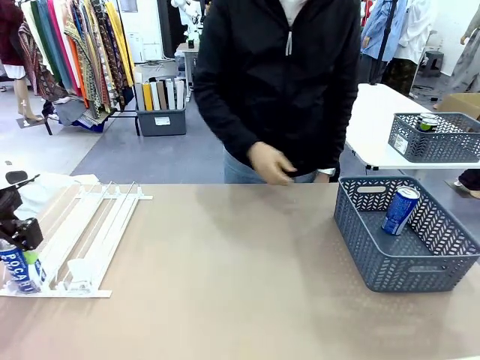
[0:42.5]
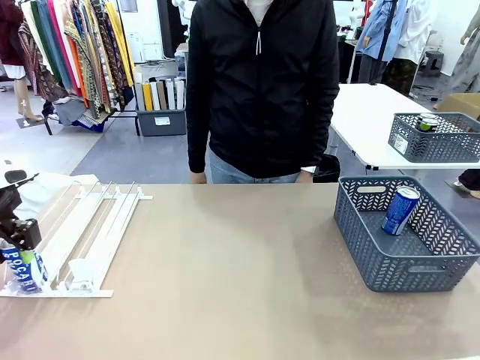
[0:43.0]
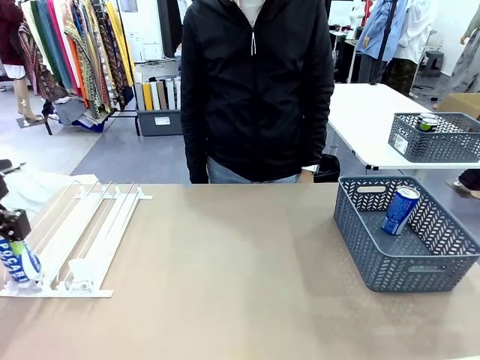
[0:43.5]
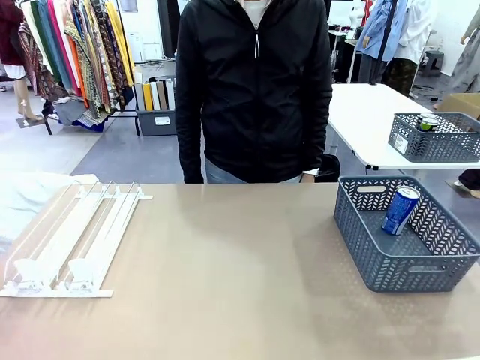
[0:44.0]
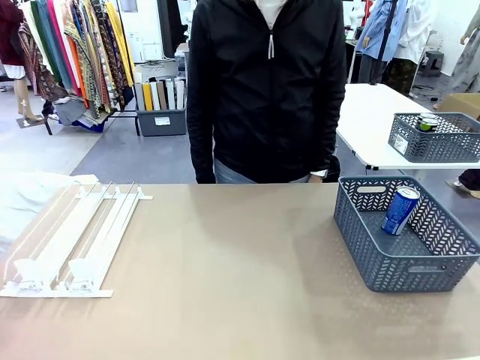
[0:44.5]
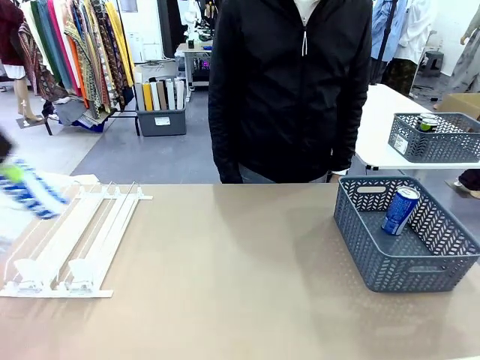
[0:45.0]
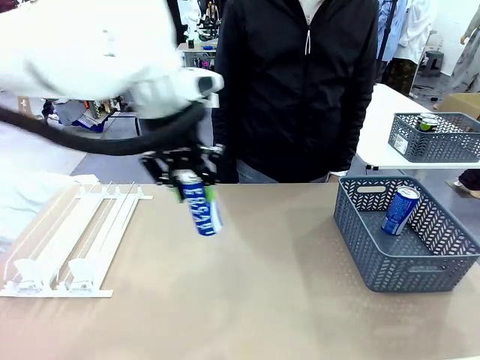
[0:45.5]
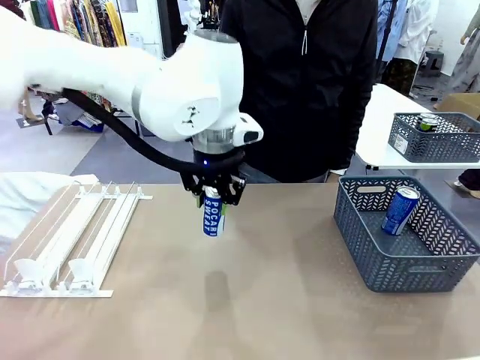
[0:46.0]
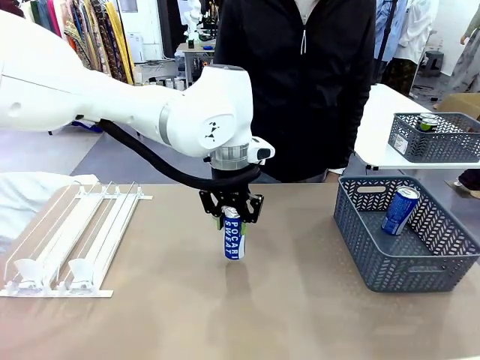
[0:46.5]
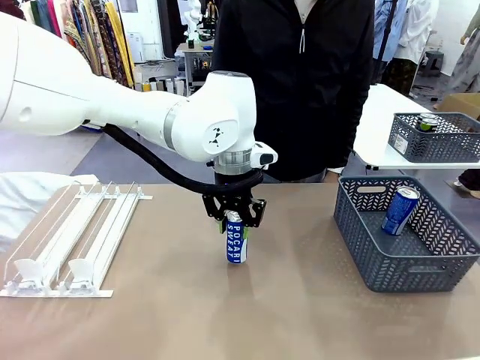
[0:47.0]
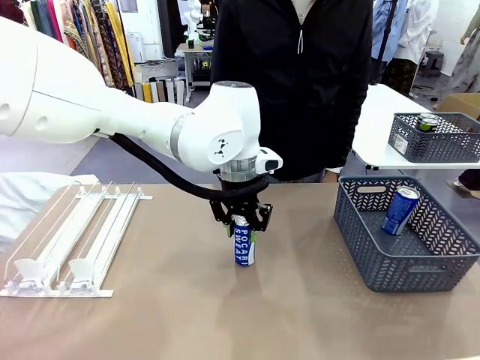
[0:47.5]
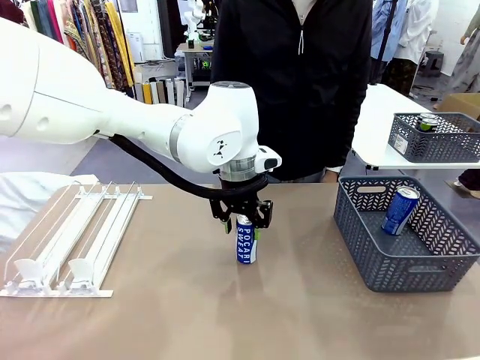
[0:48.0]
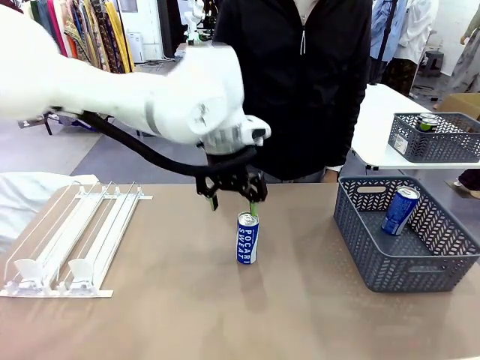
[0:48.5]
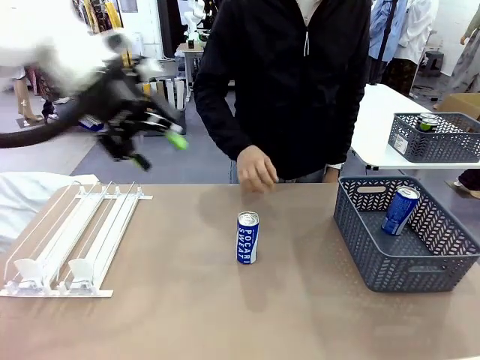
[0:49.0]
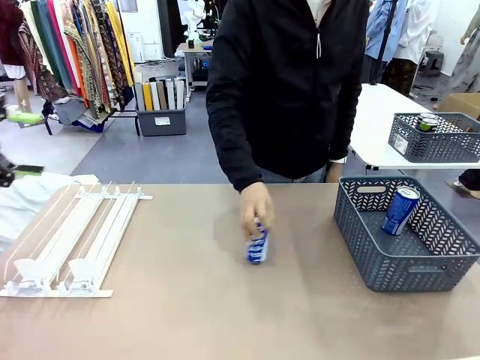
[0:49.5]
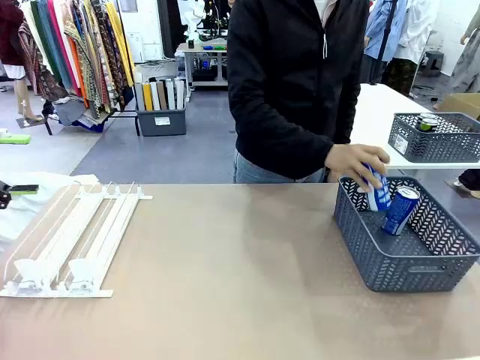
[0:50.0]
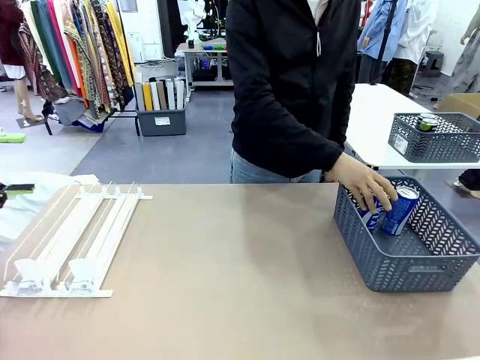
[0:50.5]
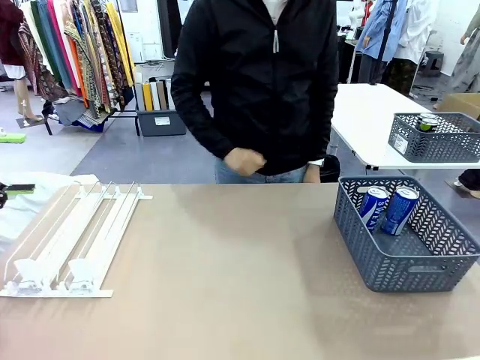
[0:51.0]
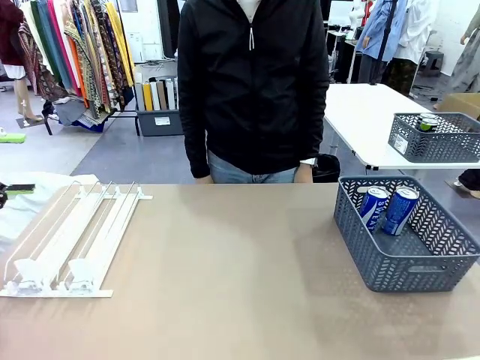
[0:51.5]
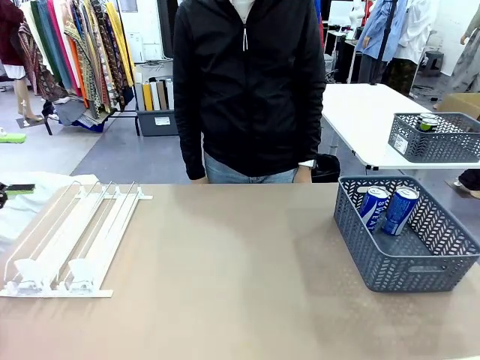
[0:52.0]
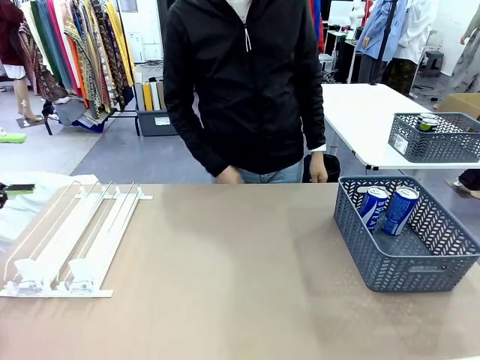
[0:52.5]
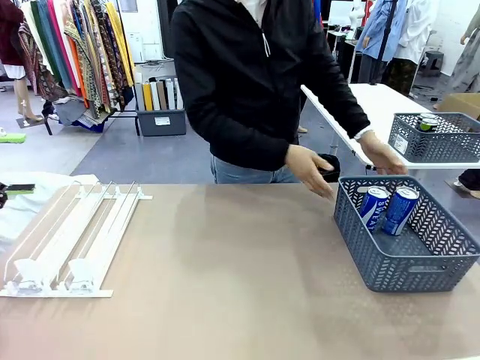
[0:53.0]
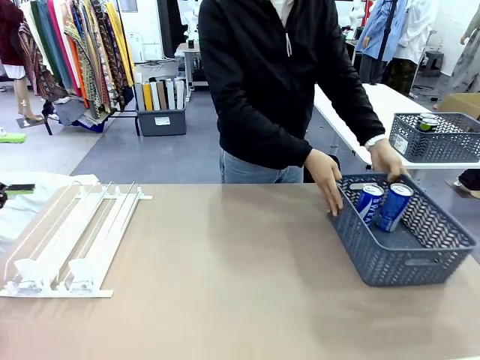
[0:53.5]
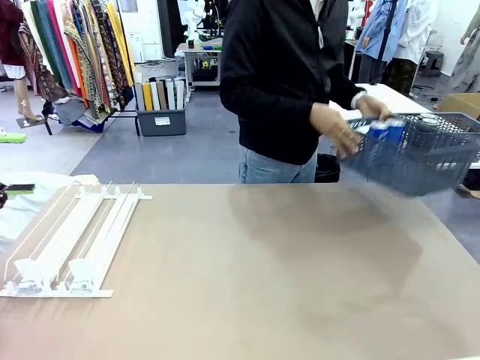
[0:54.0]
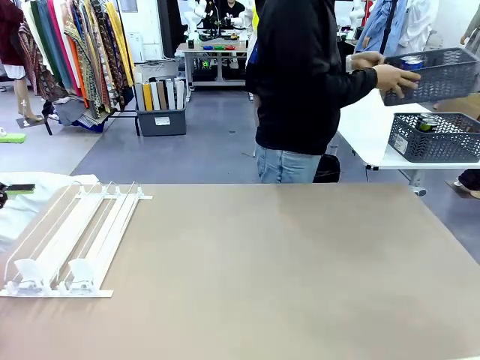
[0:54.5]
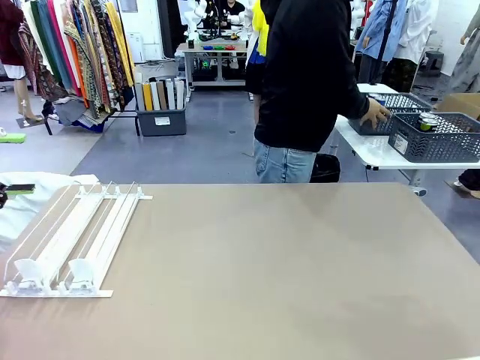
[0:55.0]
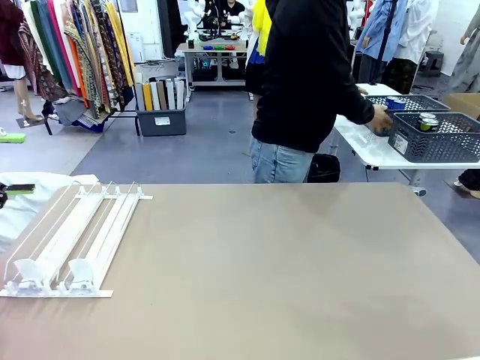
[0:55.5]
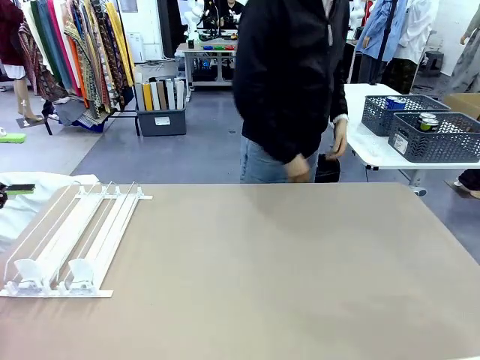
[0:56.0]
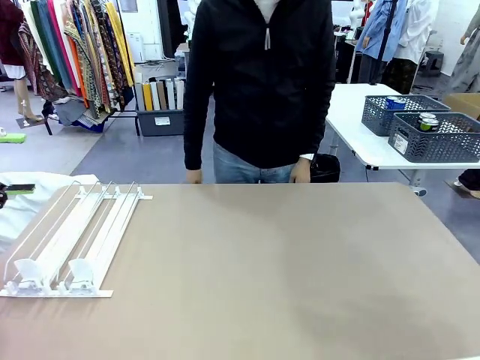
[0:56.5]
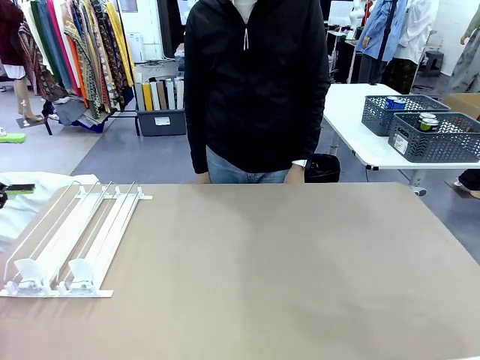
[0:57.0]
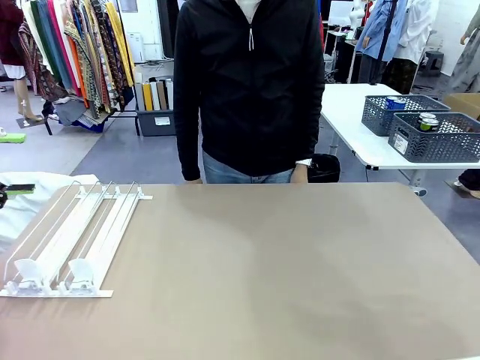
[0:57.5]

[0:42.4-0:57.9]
Task: Retrieve and store the cans from the dispenser.
Robot: Pick up one can from the Automatic Can Dispenser and place it in the middle of the table.
Person: Pick up one sports drink can from the middle of the robot table and place it in the basket. Pick up the basket and place it in the middle of the human table.

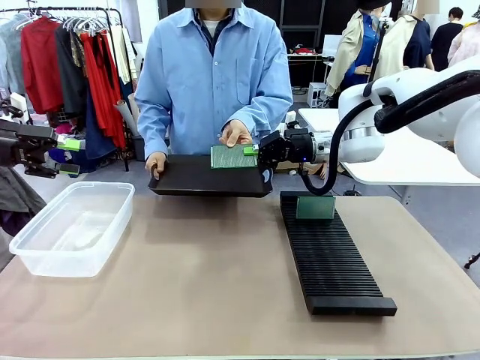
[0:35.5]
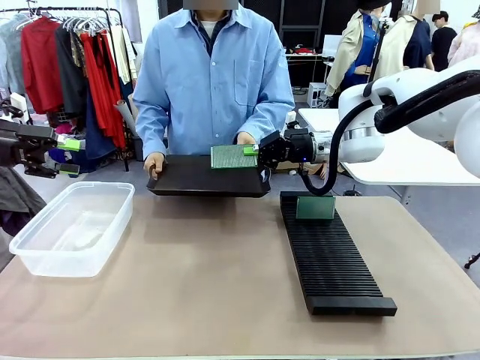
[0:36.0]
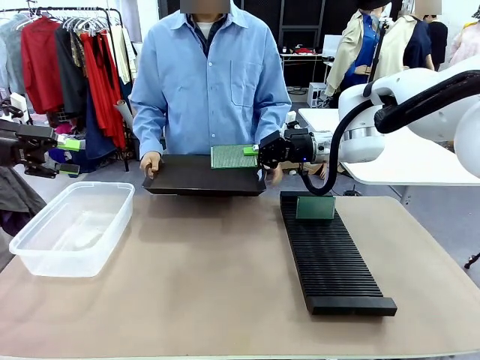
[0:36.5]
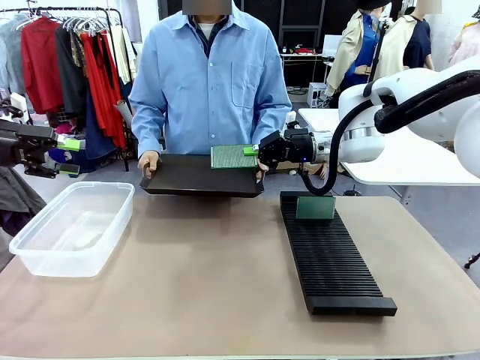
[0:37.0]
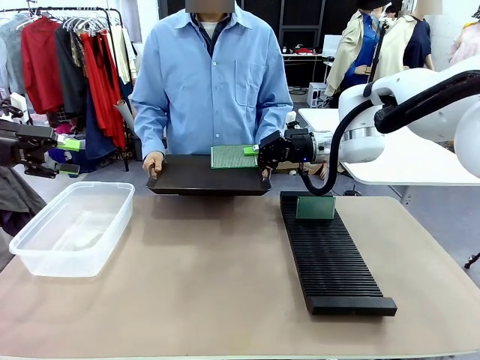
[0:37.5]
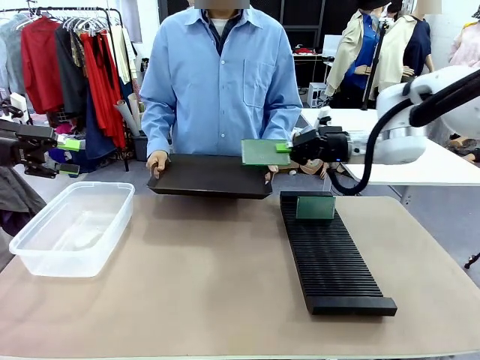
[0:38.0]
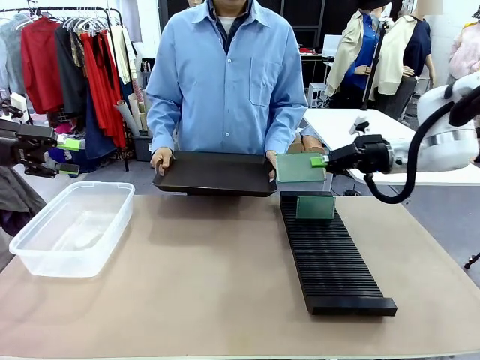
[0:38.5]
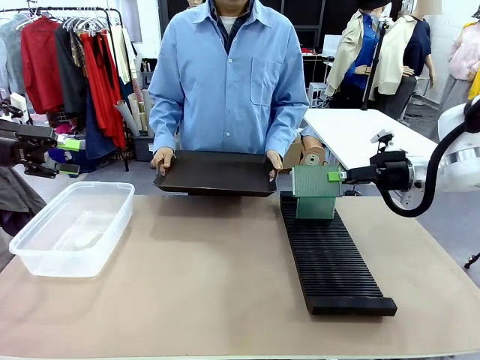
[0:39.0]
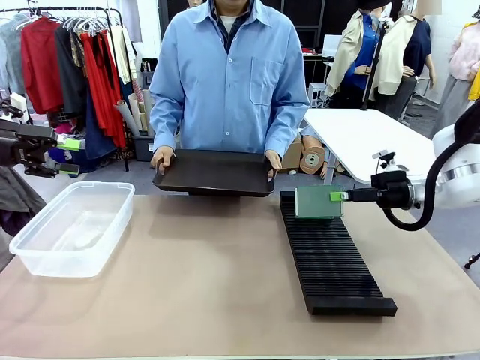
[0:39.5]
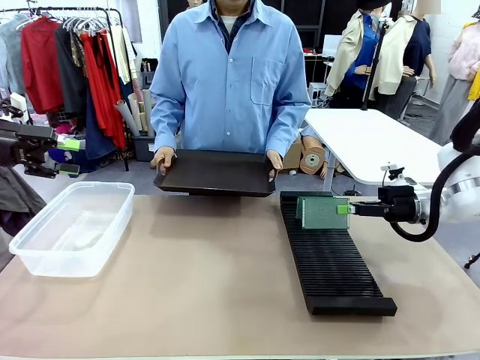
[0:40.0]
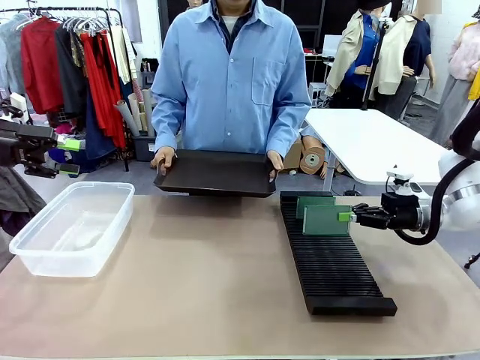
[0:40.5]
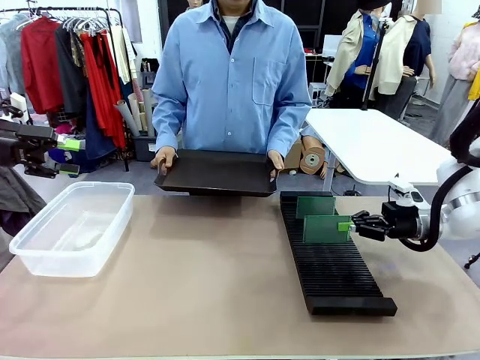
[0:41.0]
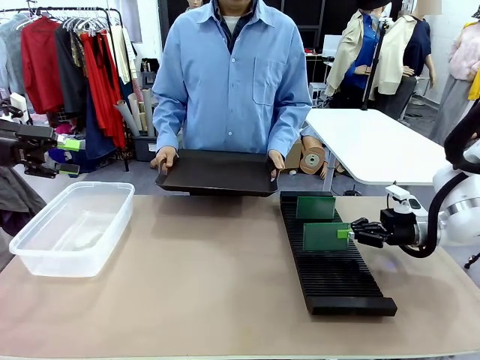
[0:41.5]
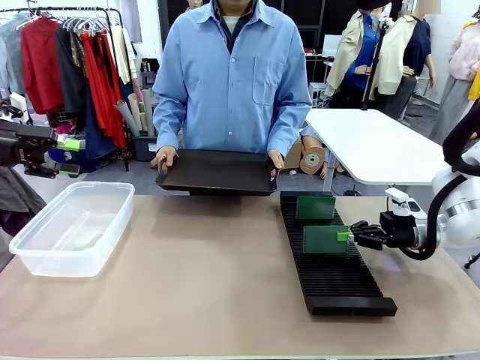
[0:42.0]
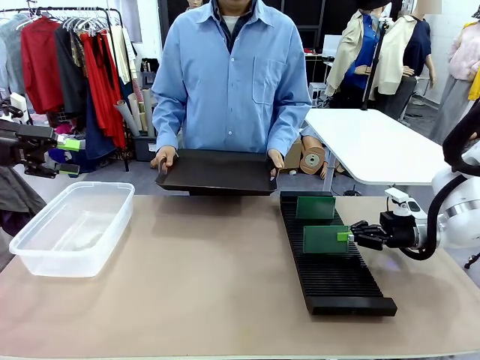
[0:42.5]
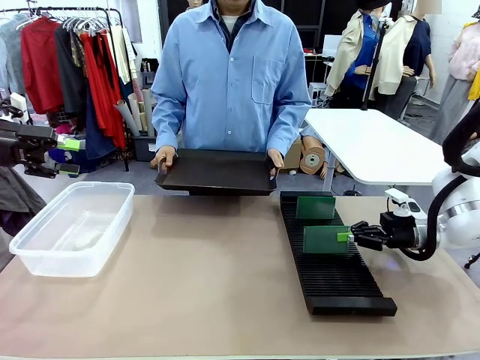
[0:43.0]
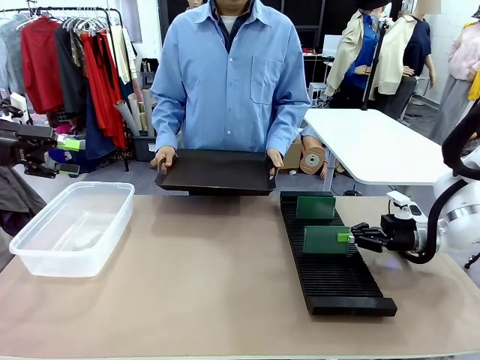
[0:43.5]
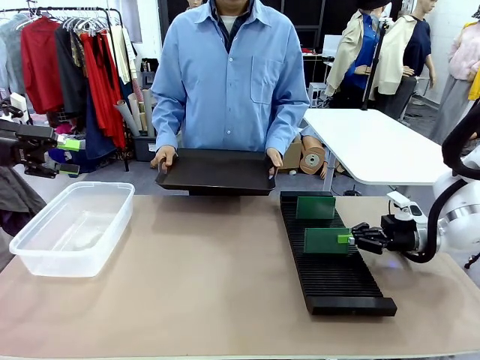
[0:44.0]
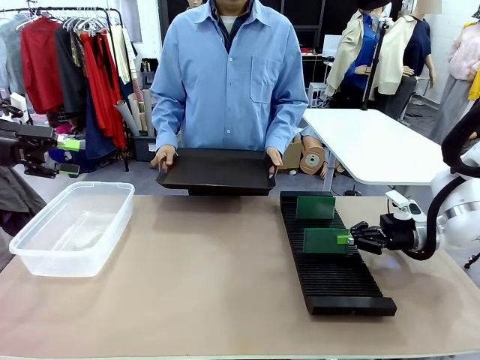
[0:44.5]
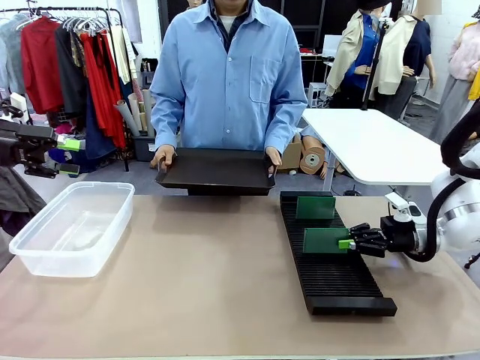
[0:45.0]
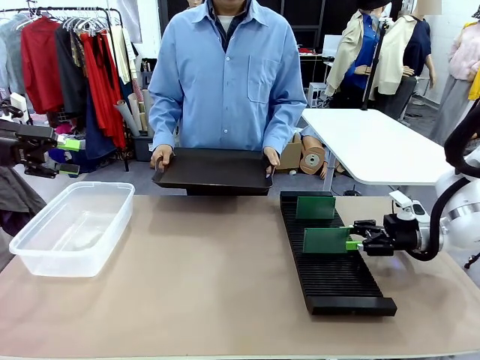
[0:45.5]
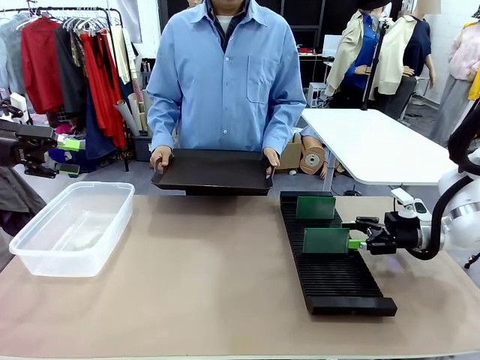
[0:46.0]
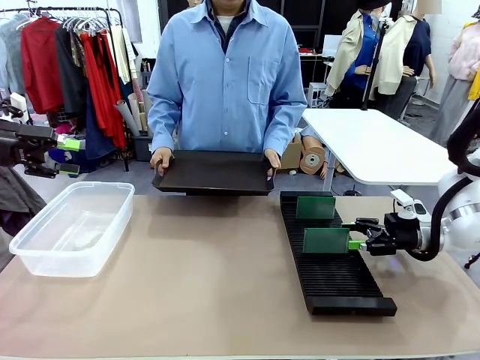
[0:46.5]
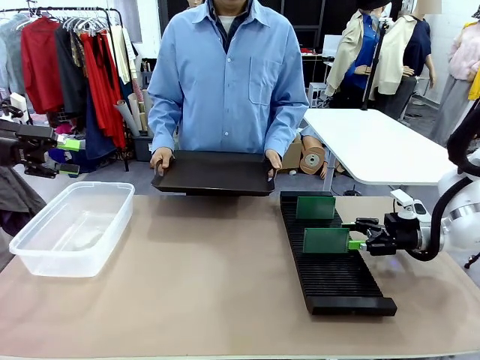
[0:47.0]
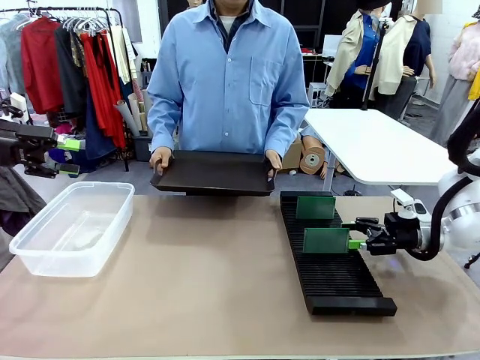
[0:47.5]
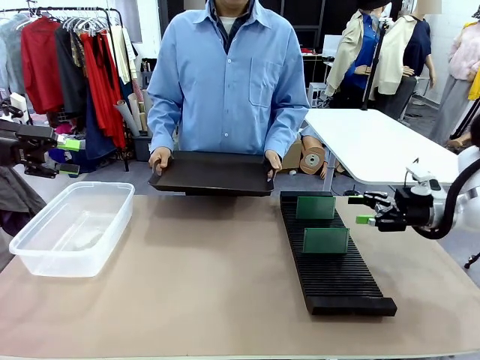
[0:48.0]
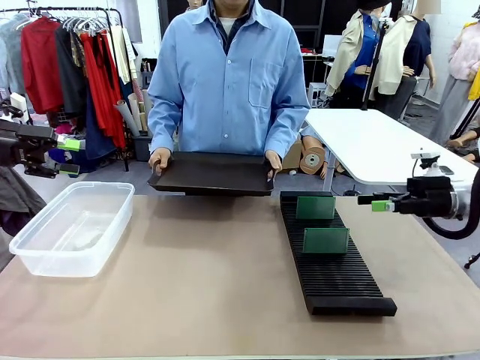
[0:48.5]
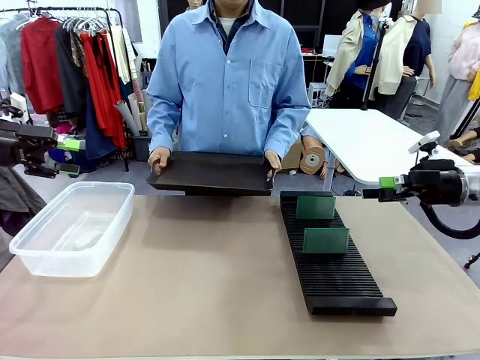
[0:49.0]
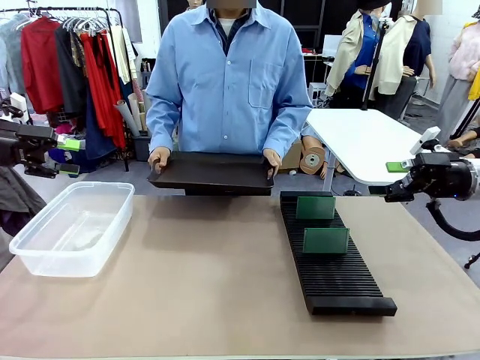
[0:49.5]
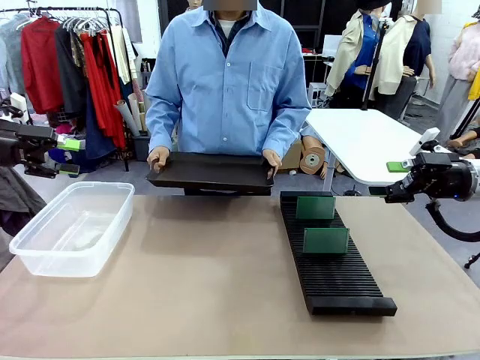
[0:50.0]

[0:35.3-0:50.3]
Task: Sort PCBs into racks and boxes based on the side picked up.
Robot: If the short side of the Blank PCB is picked up, insert it into the PCB Rack ; if the long side is picked up, place it in the Organizing box.
Person: Release the PCB being held.
